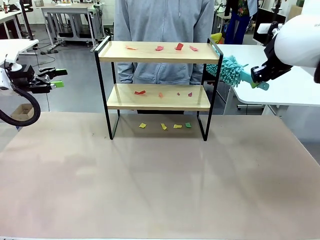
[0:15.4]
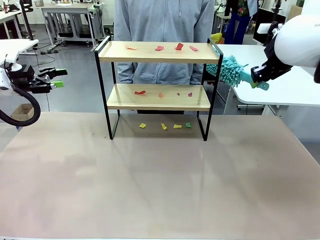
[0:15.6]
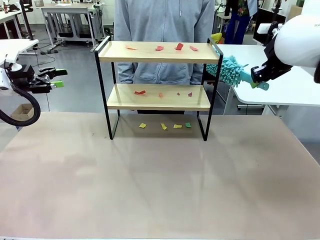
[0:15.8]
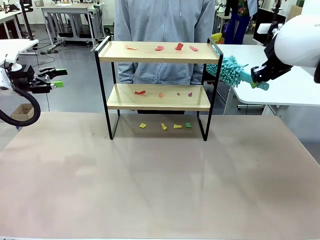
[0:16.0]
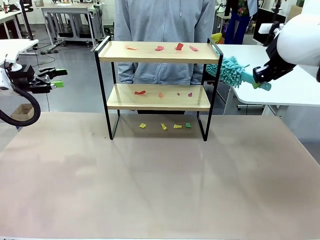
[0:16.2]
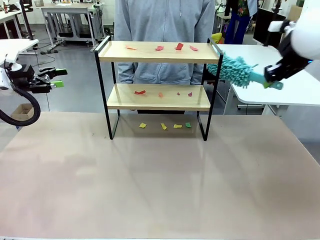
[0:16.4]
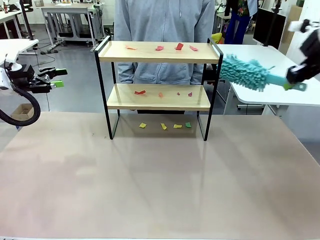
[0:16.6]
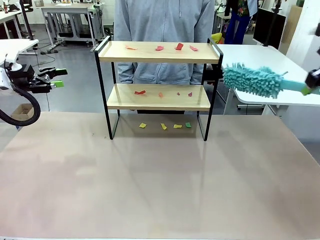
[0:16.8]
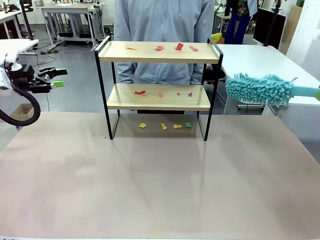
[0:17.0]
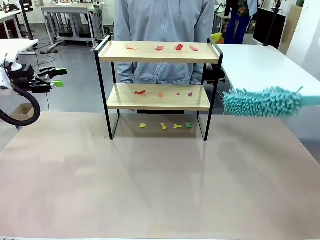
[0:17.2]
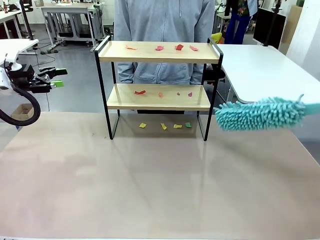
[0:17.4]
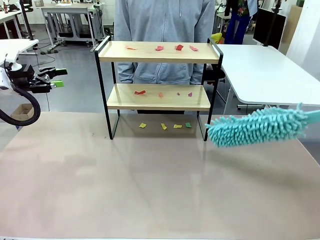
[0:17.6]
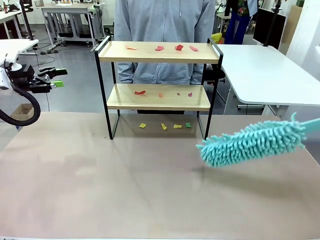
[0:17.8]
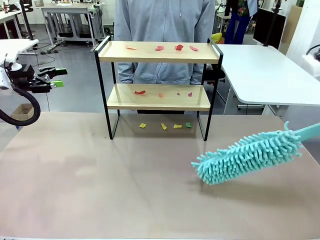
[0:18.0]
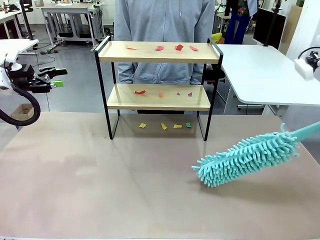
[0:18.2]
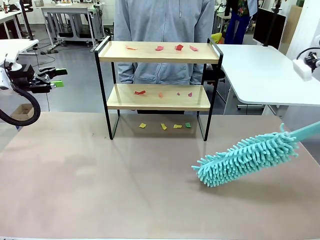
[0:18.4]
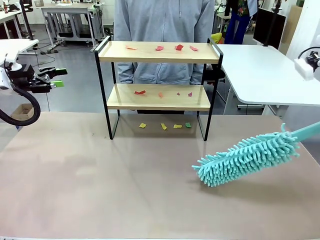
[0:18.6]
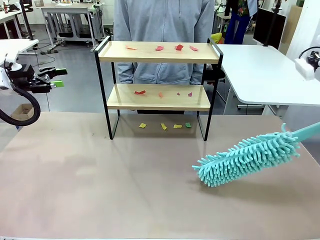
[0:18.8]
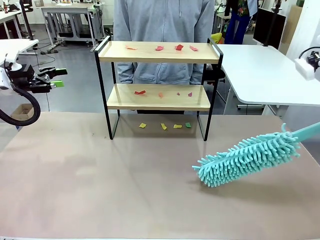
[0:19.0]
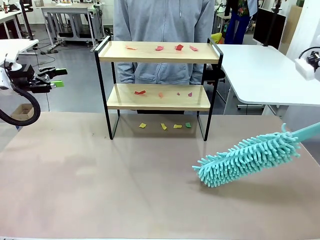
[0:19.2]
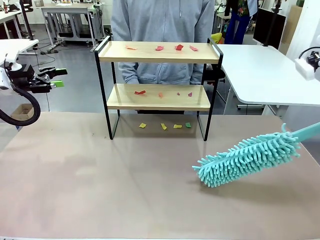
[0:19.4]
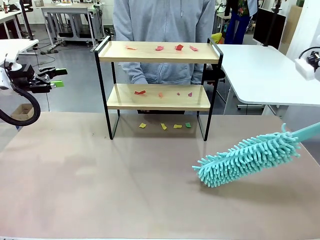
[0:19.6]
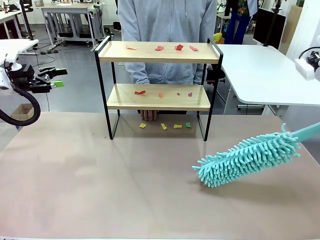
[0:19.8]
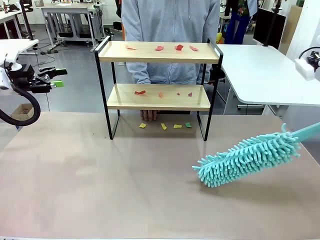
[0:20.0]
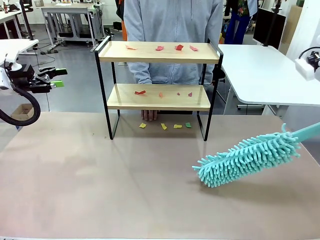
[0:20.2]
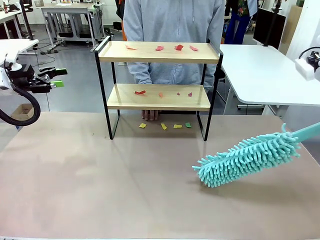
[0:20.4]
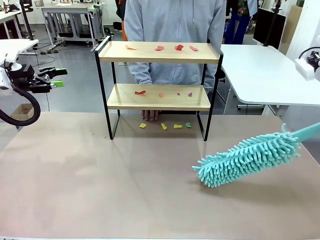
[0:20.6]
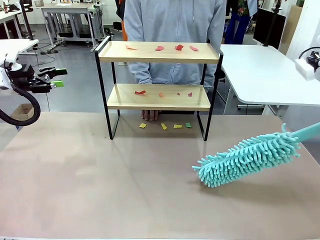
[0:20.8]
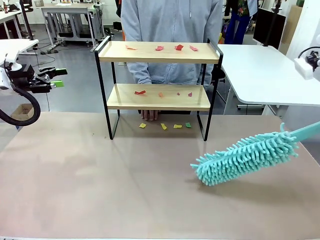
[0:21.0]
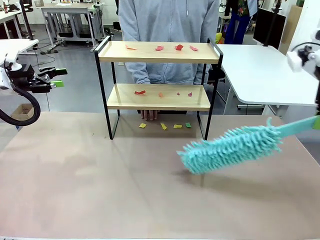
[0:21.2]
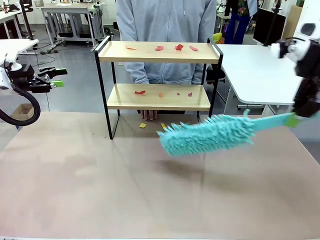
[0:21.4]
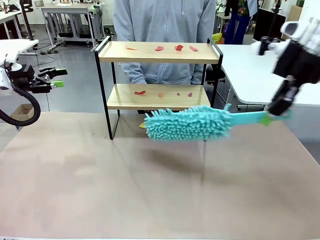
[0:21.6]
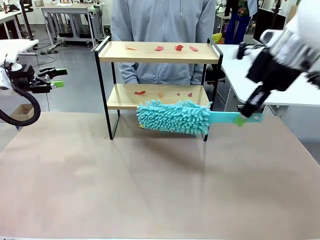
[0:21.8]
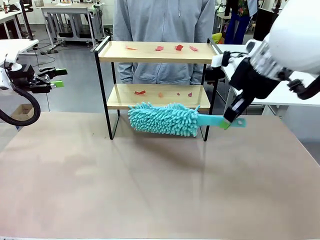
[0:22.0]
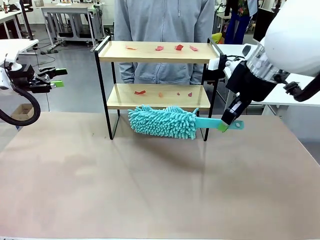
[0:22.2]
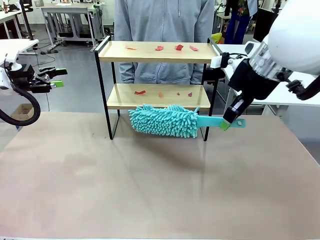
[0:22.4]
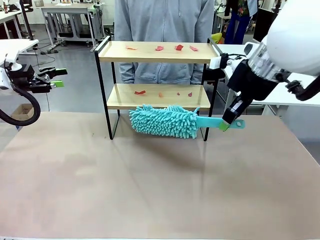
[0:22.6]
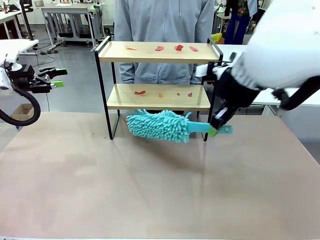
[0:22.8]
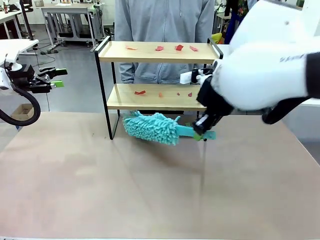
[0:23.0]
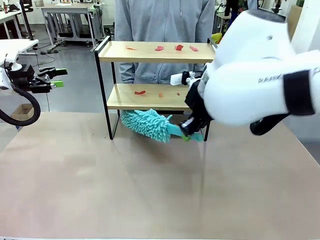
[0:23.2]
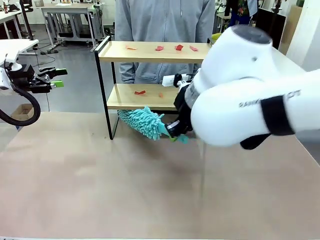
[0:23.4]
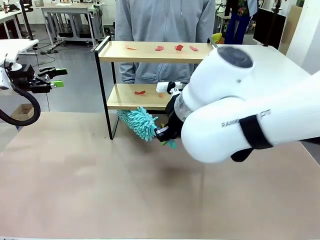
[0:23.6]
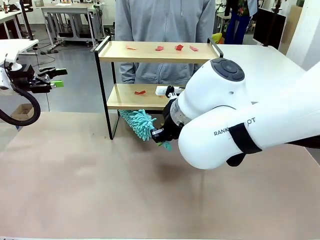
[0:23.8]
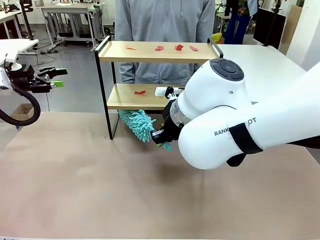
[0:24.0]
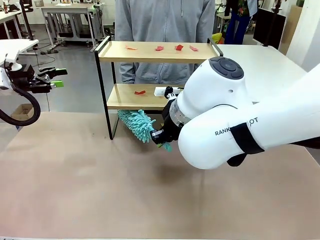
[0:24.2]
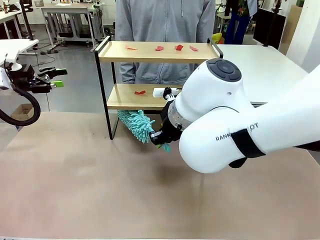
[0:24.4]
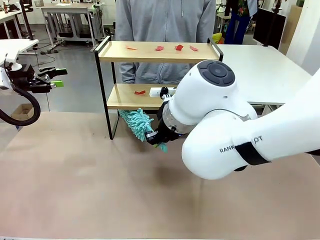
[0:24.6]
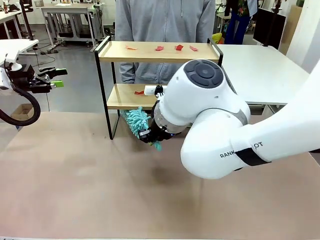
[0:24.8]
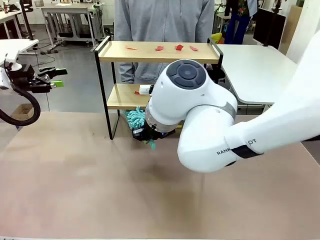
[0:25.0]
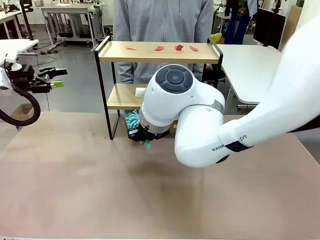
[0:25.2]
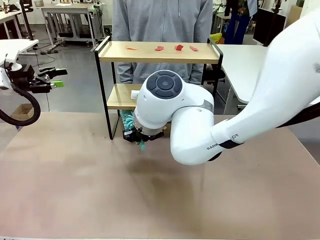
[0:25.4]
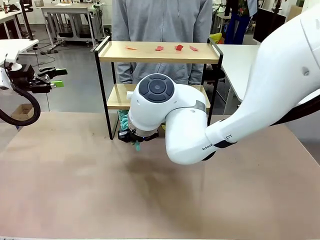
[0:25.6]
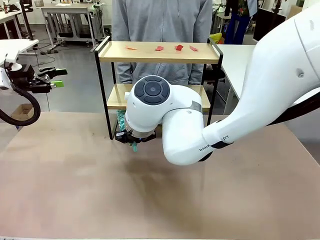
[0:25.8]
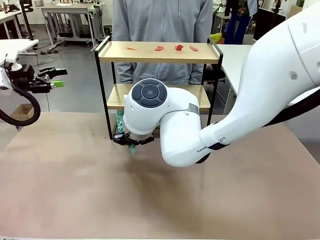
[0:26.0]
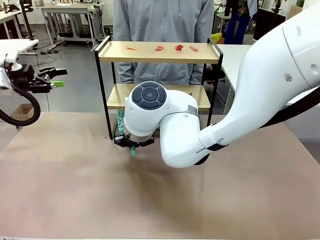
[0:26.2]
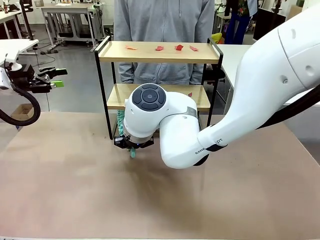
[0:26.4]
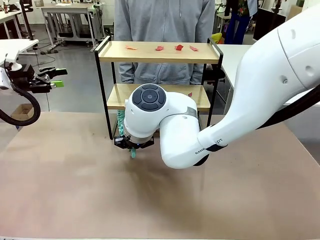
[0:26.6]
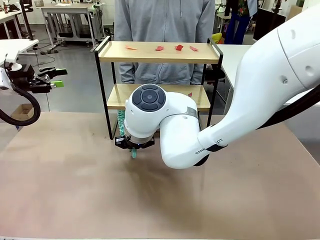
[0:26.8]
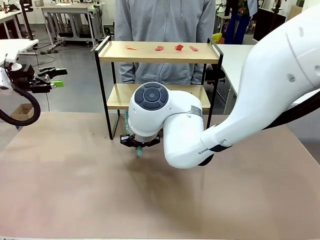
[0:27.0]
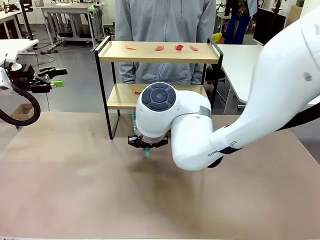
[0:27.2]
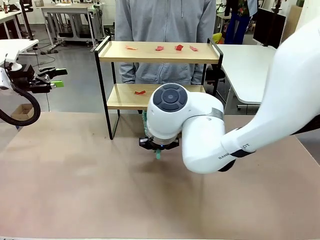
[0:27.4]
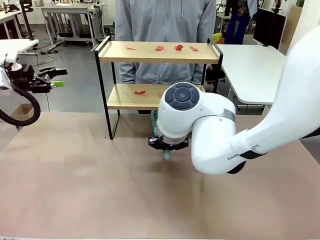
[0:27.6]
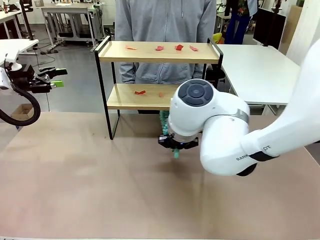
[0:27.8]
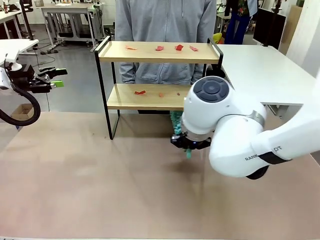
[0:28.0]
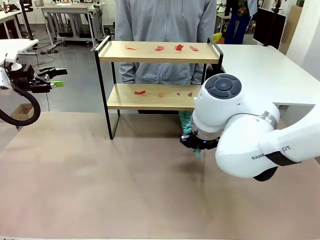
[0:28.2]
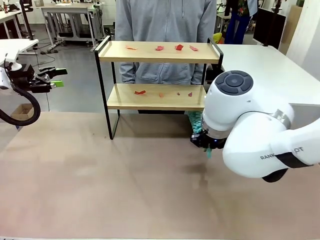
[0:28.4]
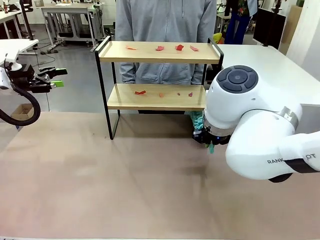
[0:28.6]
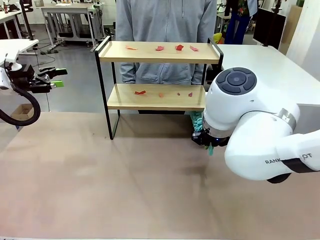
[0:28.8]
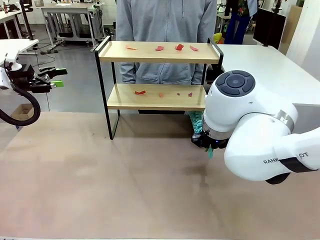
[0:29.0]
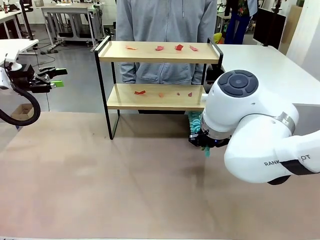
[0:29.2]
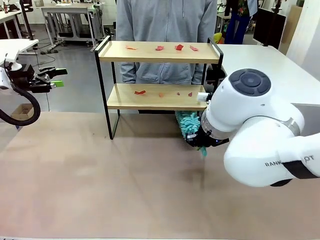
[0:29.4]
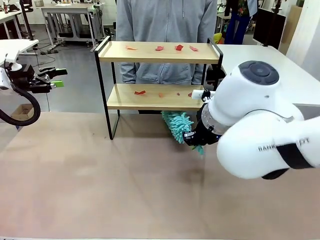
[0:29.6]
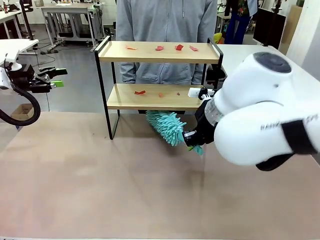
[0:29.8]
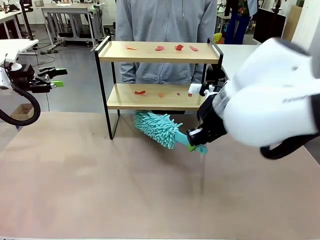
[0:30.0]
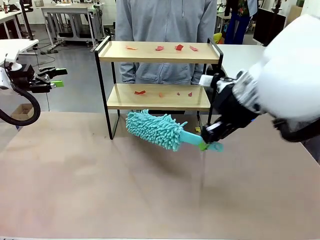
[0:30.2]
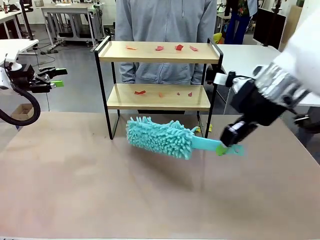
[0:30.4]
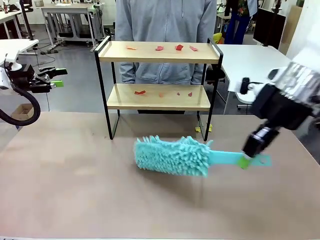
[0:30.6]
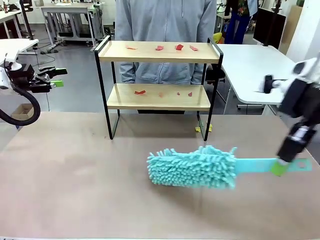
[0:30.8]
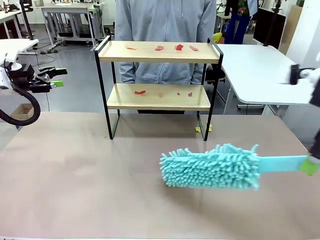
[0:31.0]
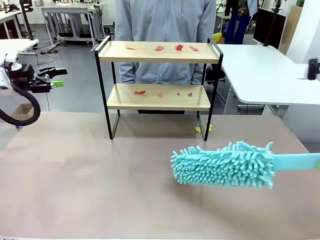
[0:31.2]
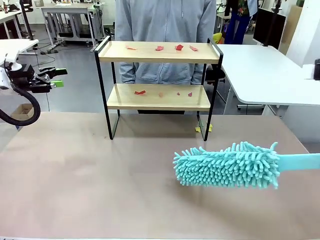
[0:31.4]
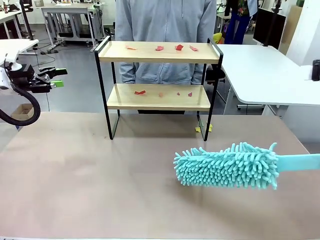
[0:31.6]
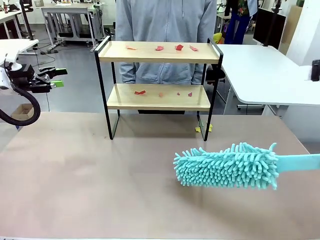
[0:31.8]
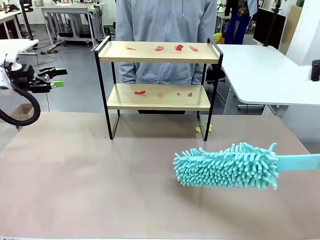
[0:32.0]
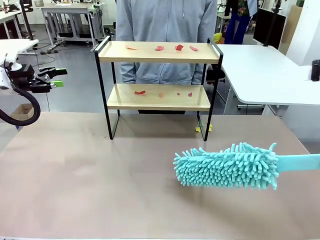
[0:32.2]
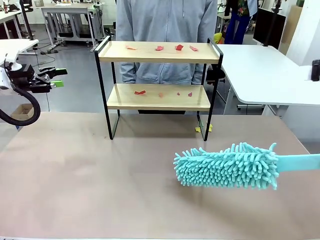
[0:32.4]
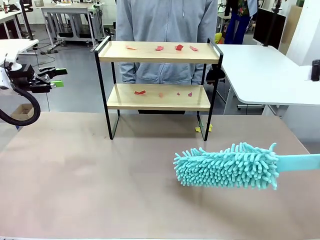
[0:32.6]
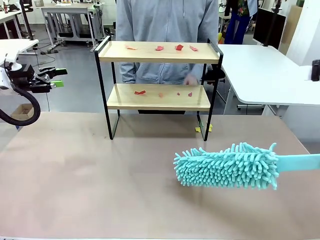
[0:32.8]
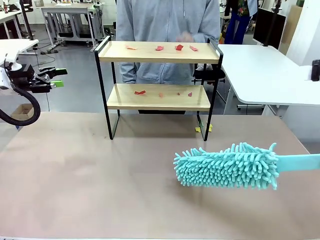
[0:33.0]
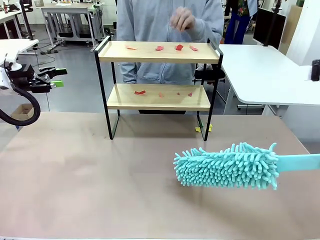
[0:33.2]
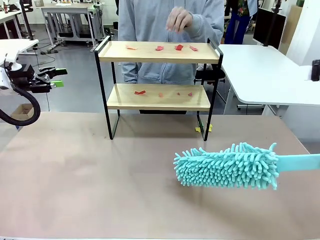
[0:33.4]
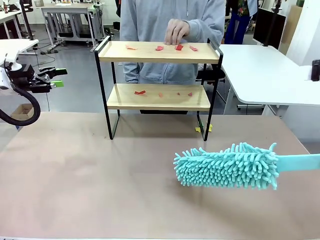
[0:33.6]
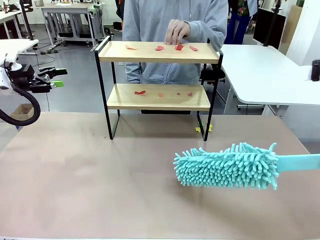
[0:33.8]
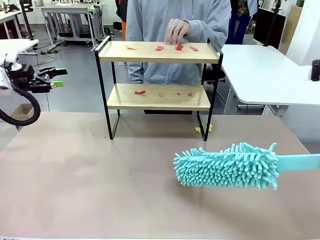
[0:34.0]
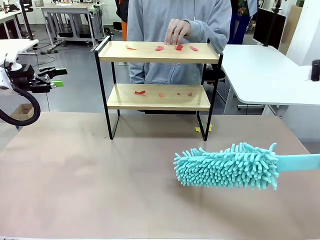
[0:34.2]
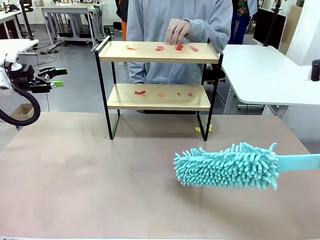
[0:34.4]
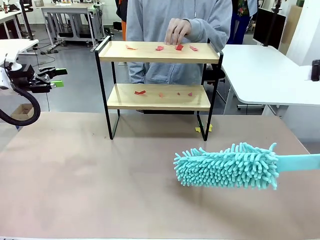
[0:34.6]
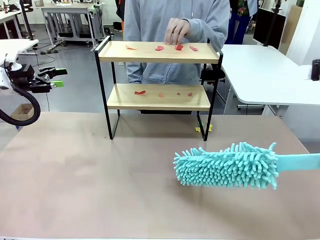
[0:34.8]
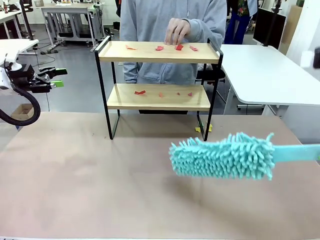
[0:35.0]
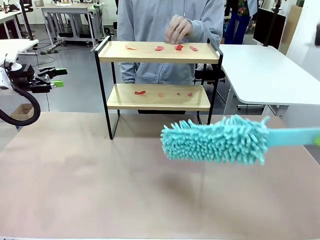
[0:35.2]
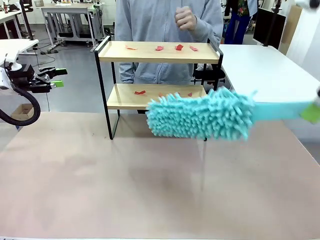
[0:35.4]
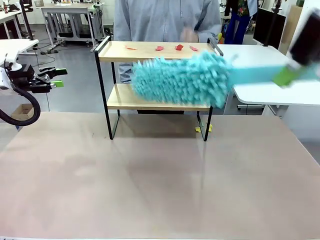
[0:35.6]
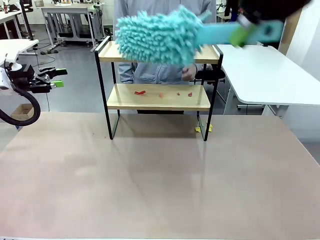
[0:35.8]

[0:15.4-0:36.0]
Task: Clean the shelf.
Robot: Clean the specific section of the Shelf indicated by the human with the Duster.
Person: Point a random section of the Shelf.
